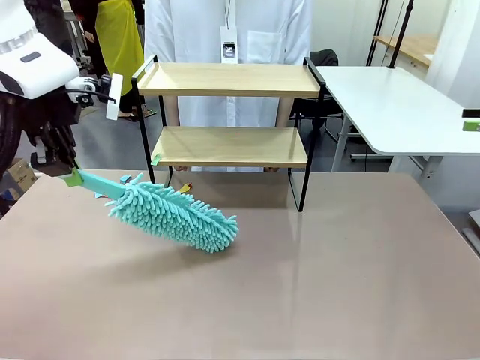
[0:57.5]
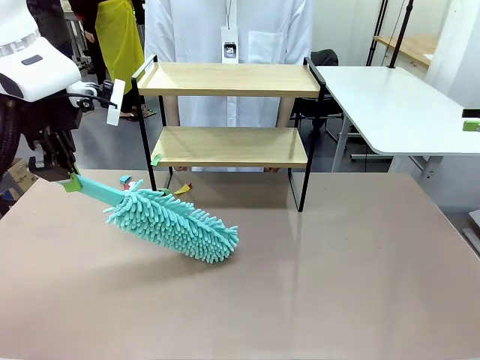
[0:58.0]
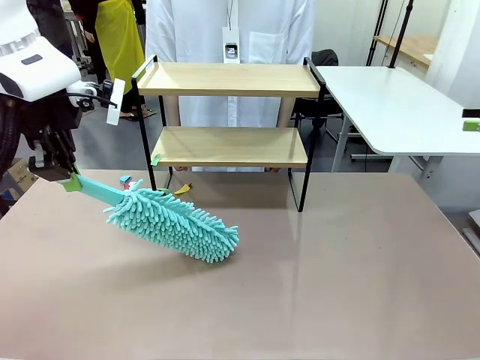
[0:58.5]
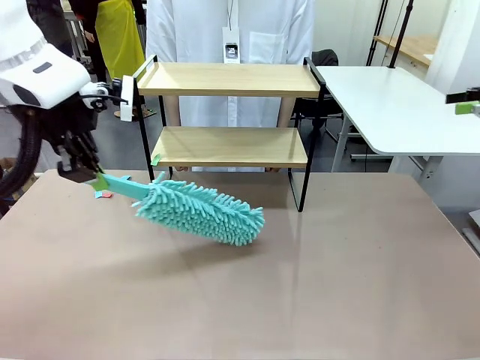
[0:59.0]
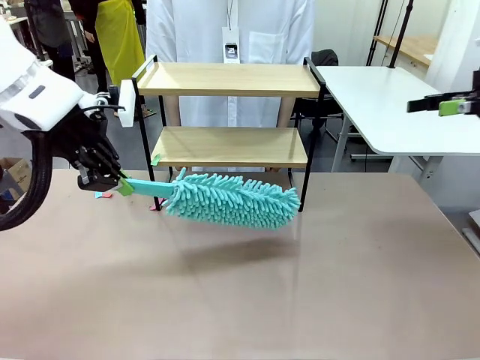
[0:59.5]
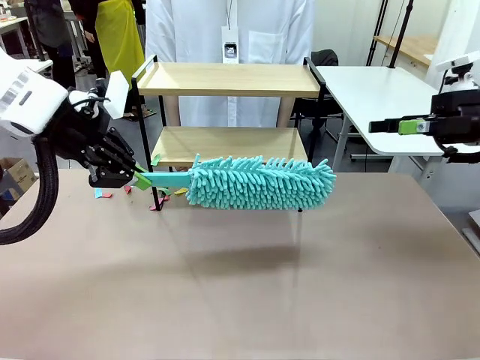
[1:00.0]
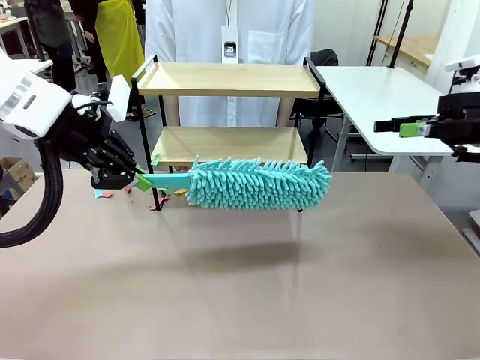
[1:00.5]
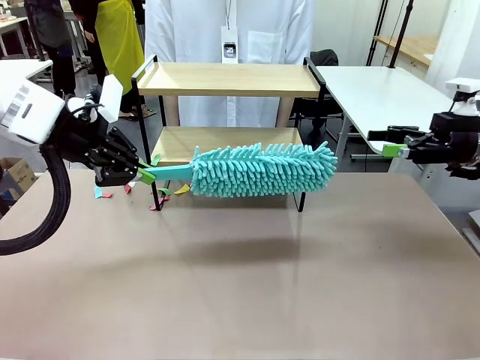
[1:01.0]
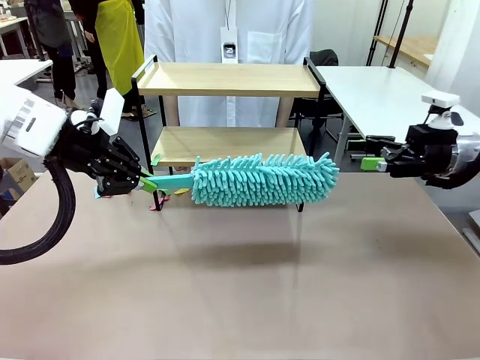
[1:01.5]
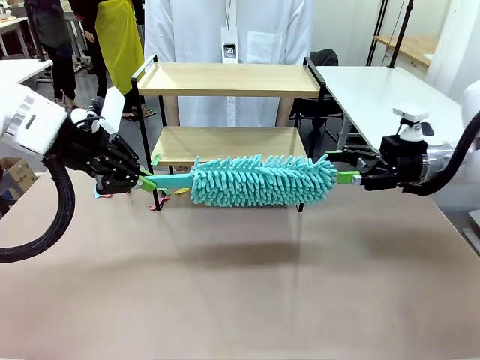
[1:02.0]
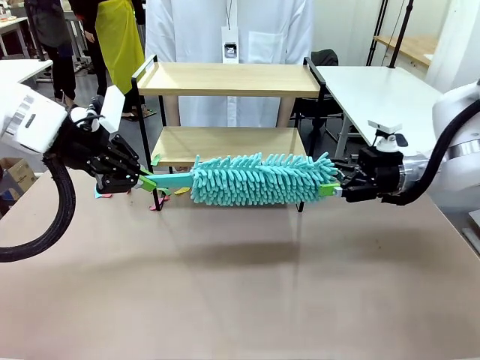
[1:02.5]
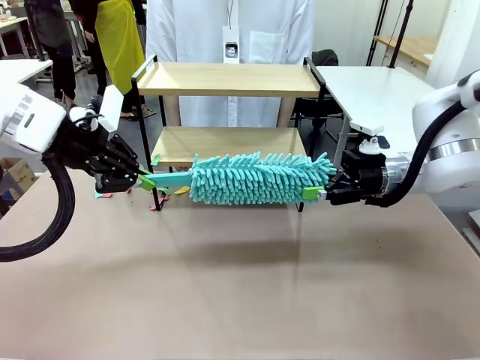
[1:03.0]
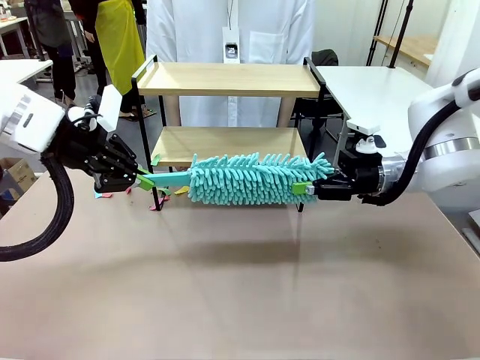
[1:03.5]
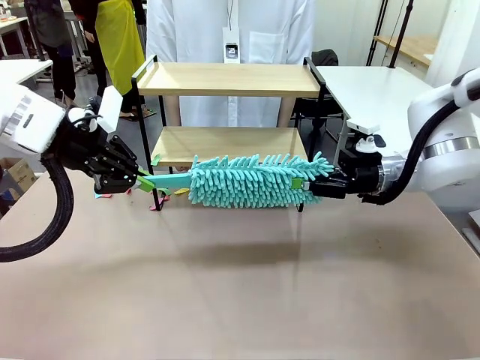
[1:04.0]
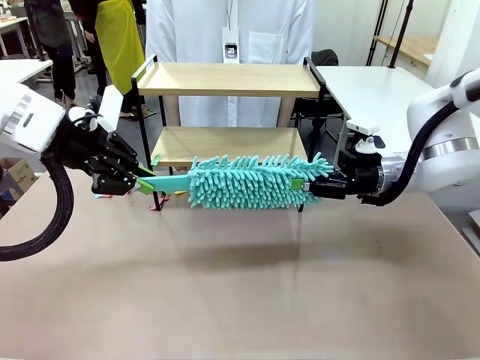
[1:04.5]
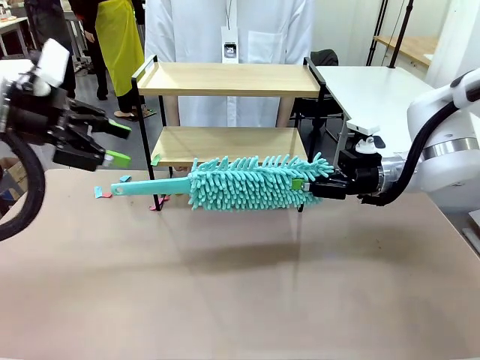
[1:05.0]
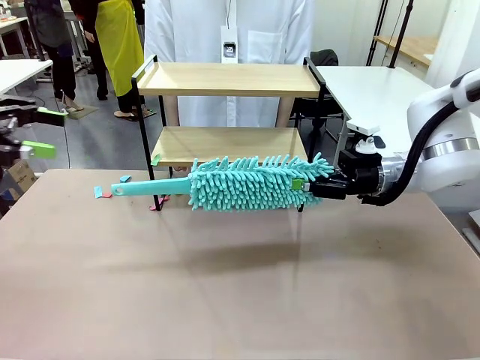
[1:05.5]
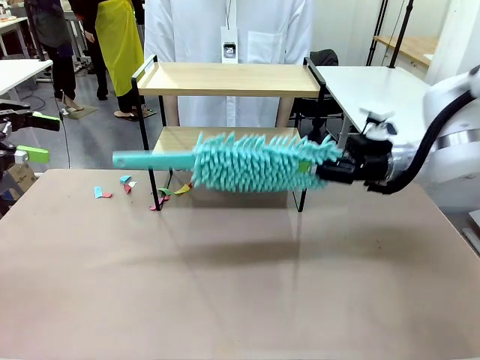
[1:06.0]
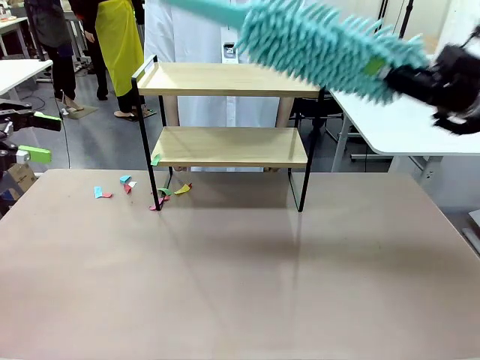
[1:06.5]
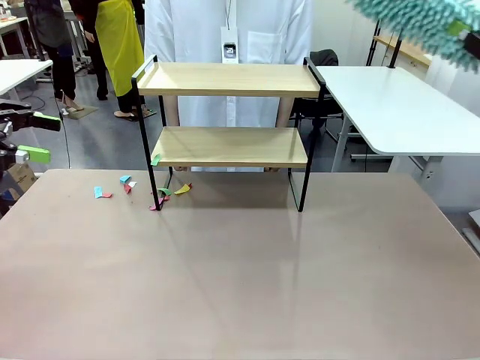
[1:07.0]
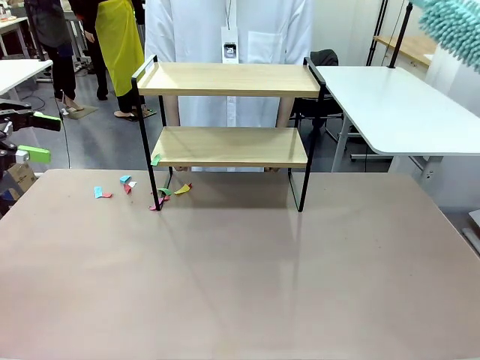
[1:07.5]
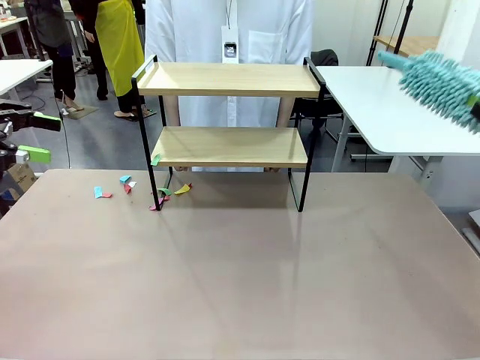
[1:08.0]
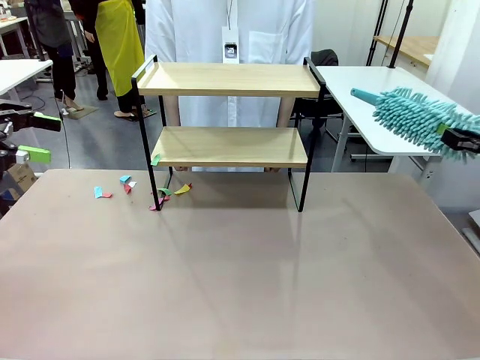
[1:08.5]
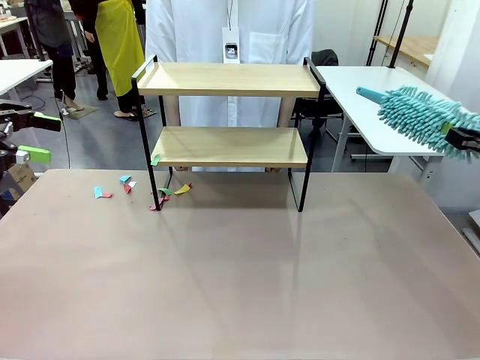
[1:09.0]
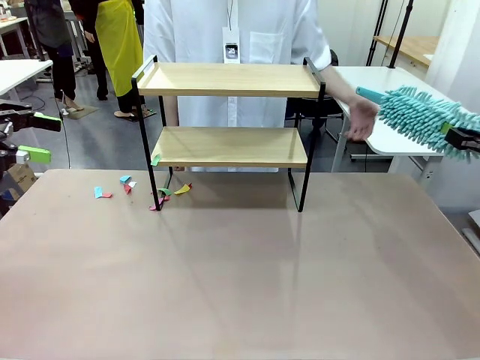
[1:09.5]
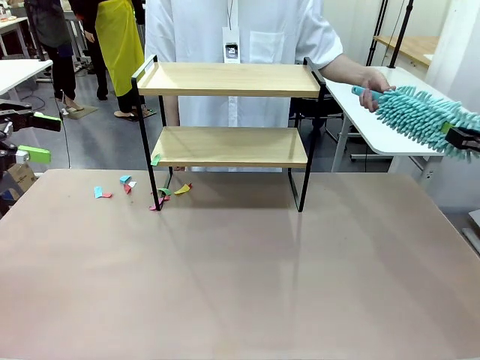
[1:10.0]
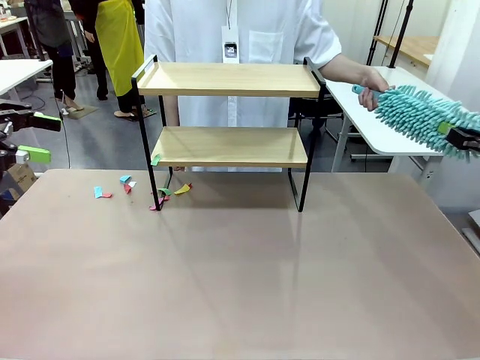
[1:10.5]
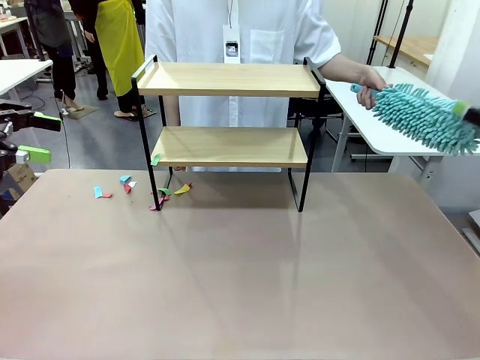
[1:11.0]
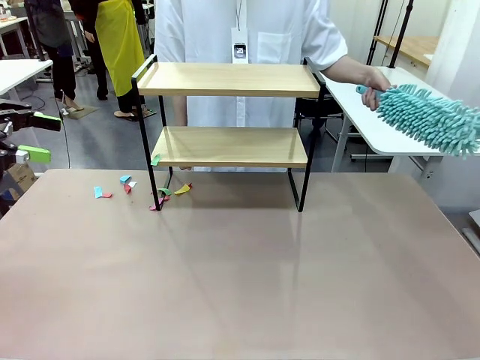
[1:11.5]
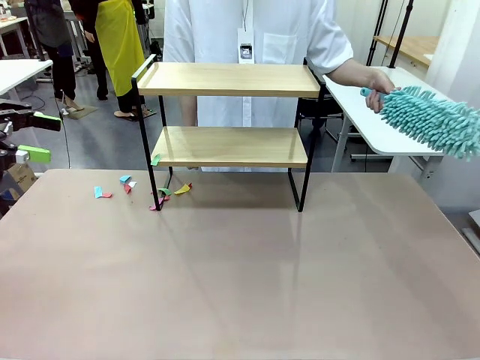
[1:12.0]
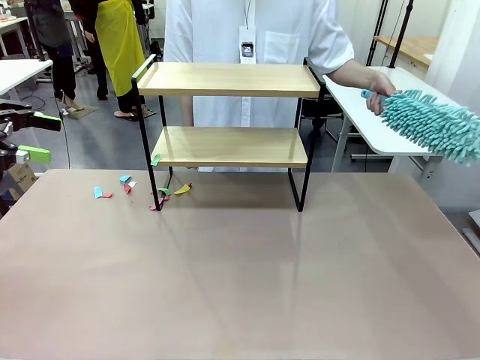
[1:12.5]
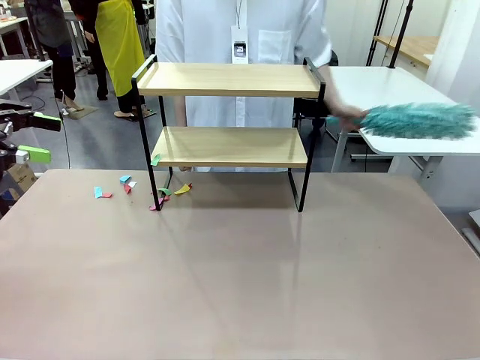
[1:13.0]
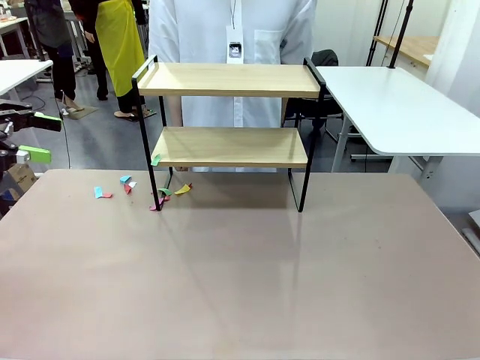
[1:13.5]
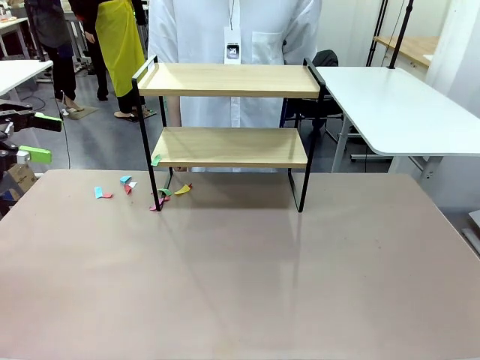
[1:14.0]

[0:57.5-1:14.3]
Task: Clean the shelf.
Robot: Hand the Duster back to the human.
Person: Receive the Duster from the robot.
